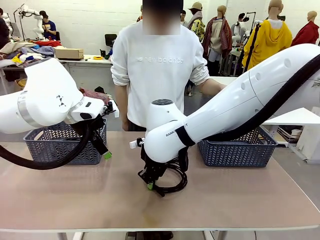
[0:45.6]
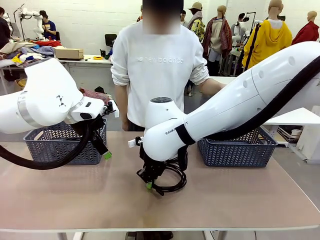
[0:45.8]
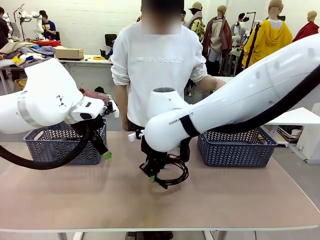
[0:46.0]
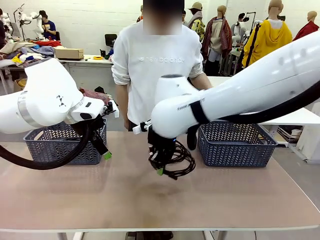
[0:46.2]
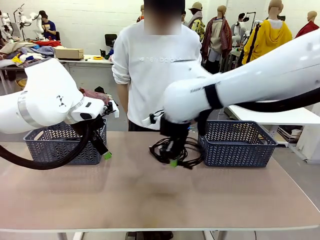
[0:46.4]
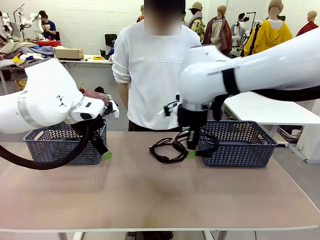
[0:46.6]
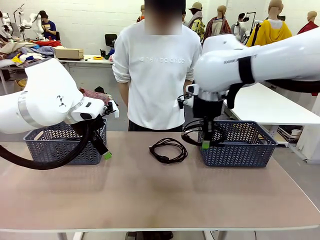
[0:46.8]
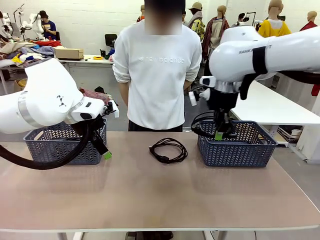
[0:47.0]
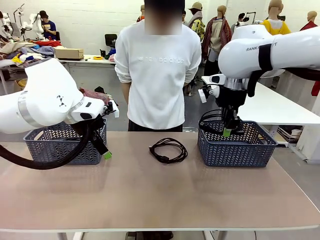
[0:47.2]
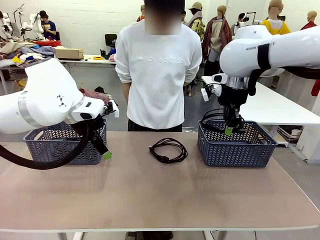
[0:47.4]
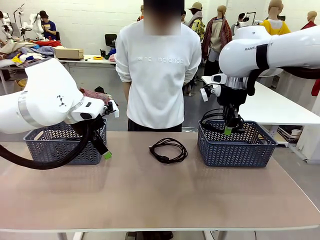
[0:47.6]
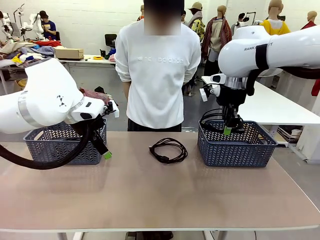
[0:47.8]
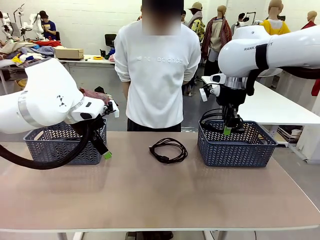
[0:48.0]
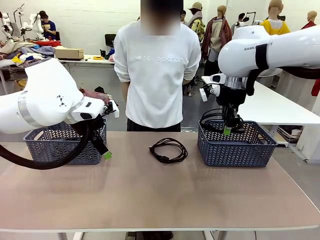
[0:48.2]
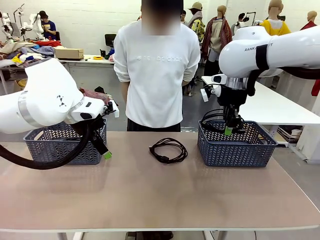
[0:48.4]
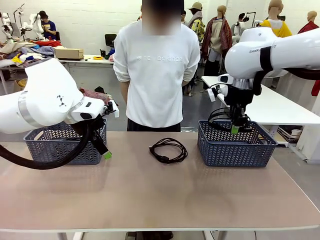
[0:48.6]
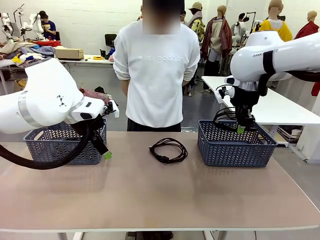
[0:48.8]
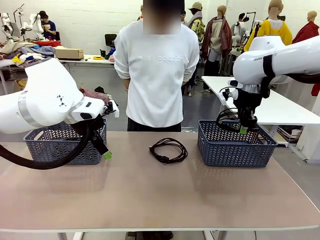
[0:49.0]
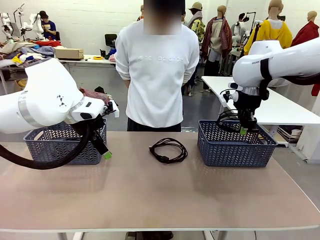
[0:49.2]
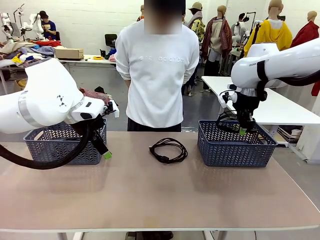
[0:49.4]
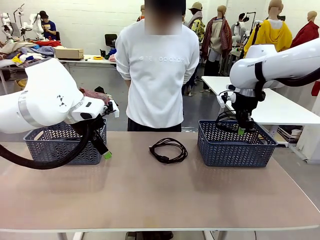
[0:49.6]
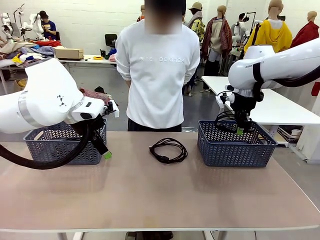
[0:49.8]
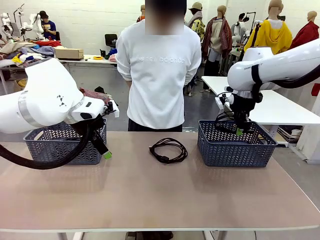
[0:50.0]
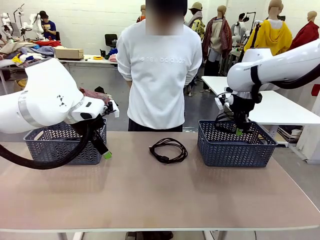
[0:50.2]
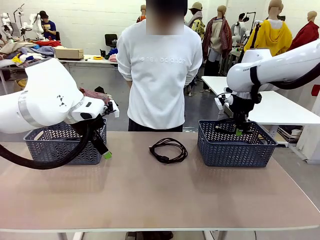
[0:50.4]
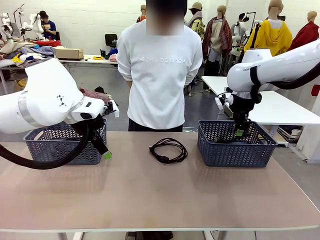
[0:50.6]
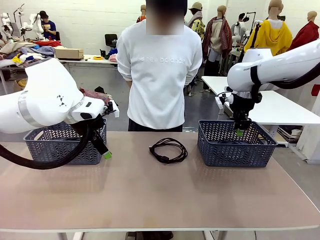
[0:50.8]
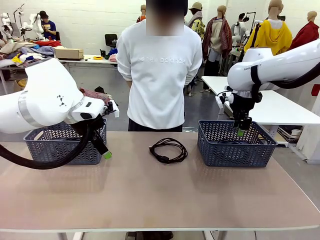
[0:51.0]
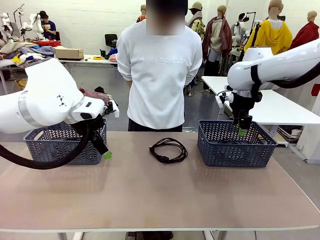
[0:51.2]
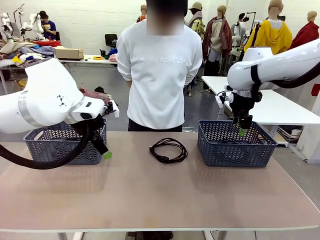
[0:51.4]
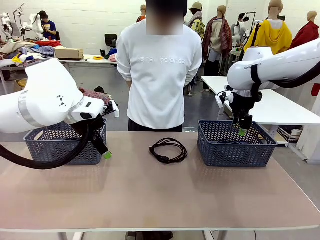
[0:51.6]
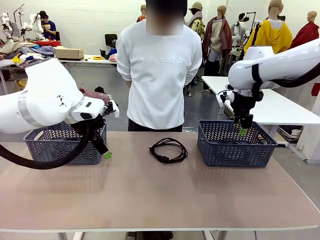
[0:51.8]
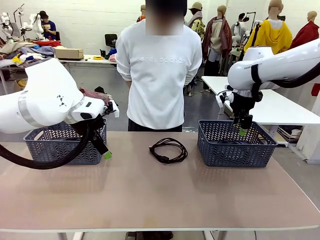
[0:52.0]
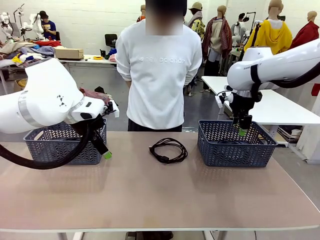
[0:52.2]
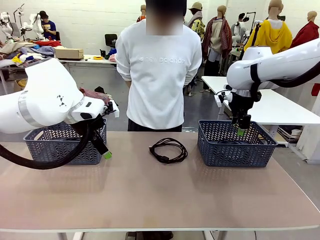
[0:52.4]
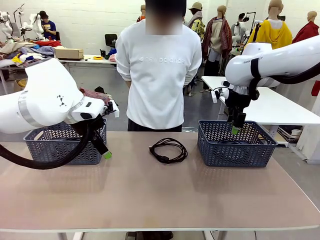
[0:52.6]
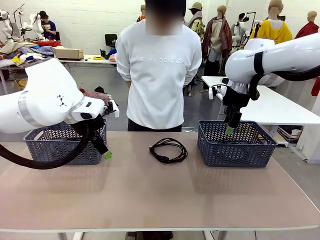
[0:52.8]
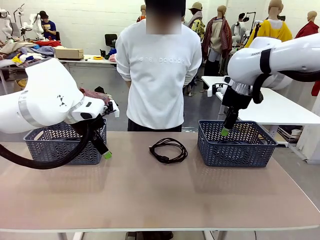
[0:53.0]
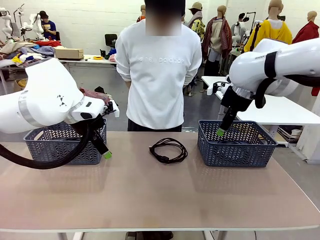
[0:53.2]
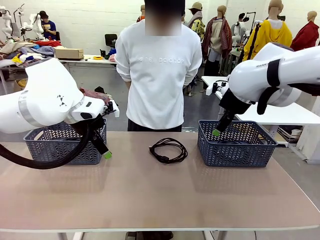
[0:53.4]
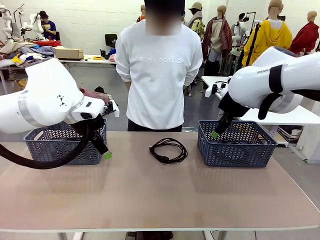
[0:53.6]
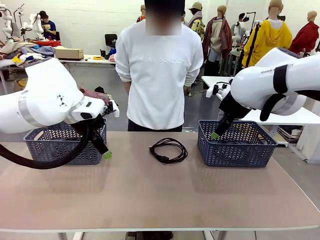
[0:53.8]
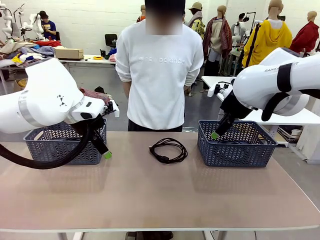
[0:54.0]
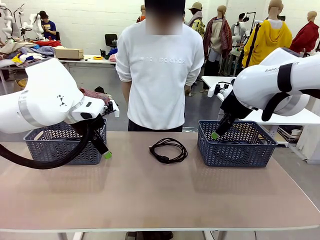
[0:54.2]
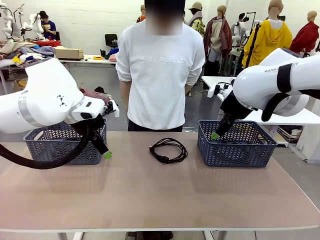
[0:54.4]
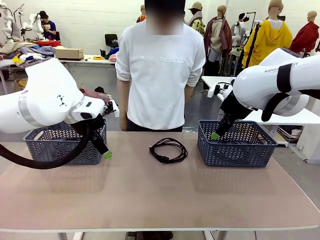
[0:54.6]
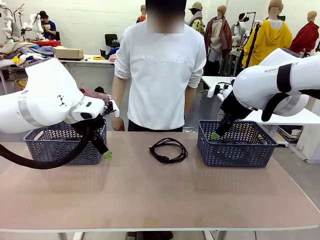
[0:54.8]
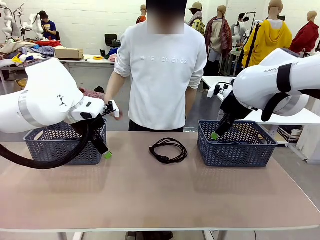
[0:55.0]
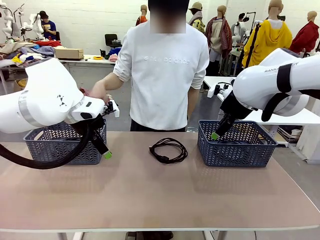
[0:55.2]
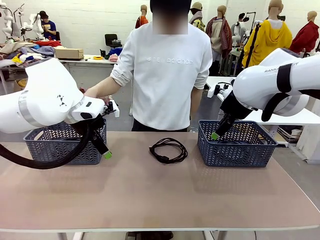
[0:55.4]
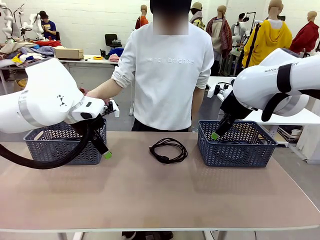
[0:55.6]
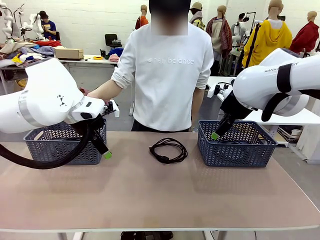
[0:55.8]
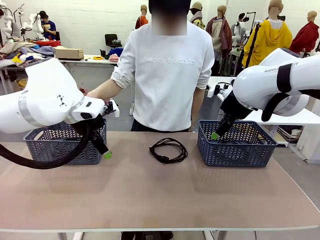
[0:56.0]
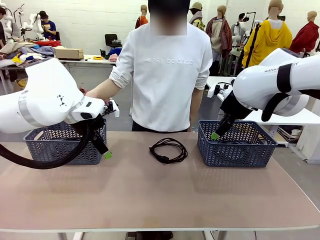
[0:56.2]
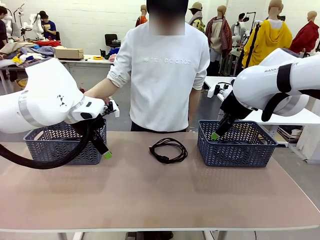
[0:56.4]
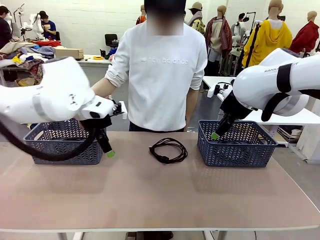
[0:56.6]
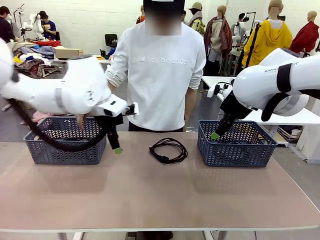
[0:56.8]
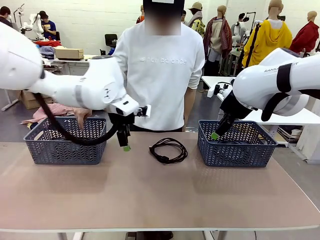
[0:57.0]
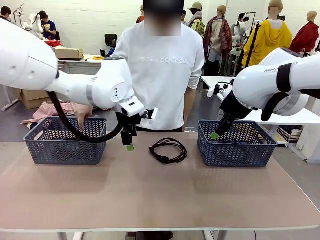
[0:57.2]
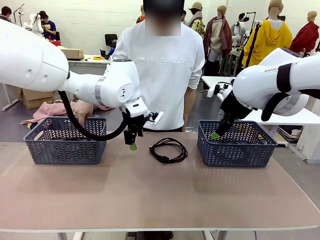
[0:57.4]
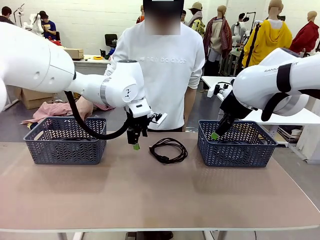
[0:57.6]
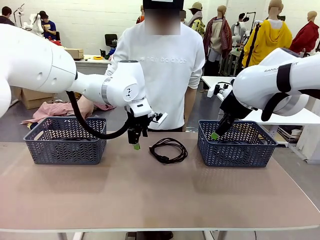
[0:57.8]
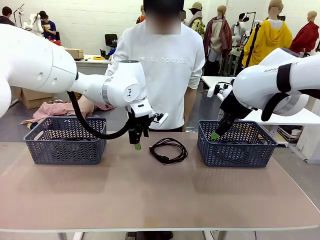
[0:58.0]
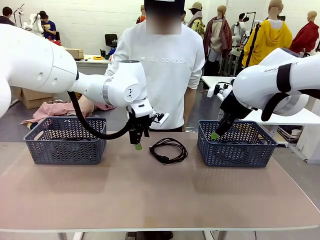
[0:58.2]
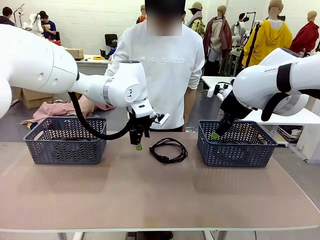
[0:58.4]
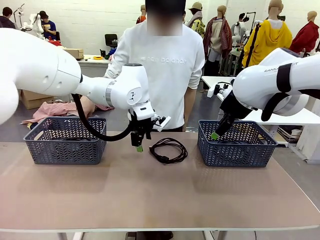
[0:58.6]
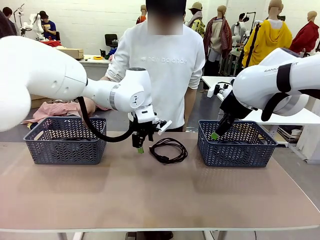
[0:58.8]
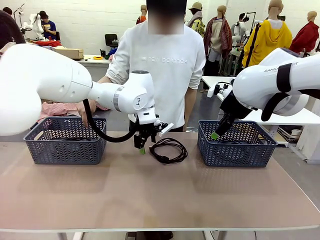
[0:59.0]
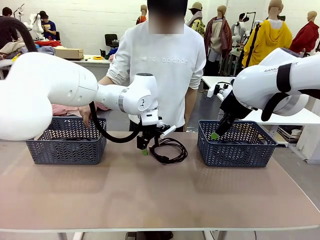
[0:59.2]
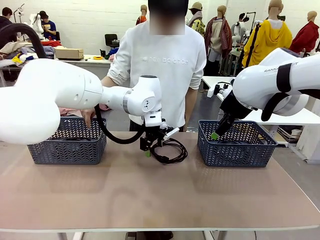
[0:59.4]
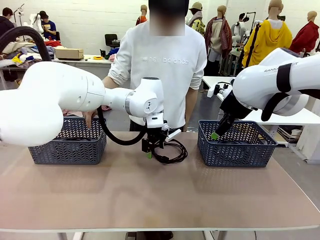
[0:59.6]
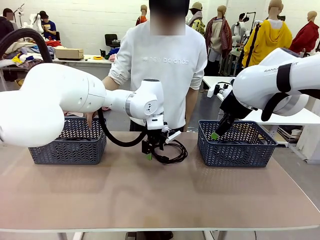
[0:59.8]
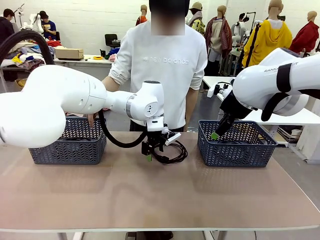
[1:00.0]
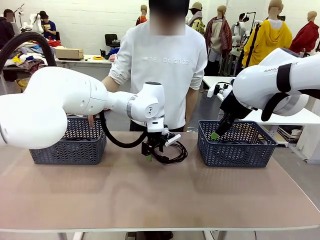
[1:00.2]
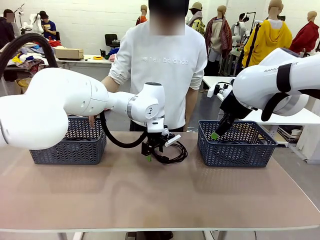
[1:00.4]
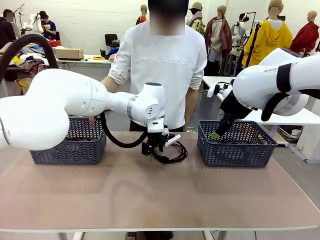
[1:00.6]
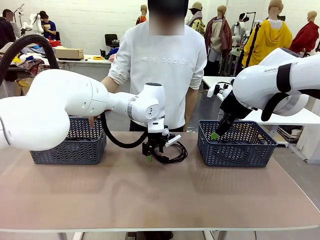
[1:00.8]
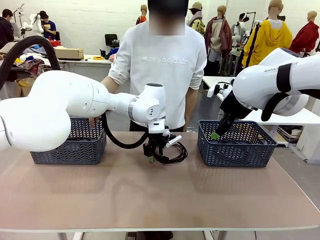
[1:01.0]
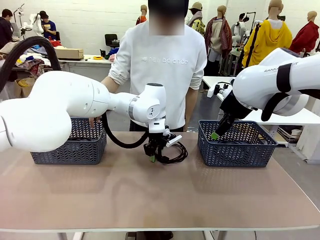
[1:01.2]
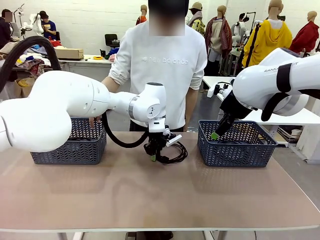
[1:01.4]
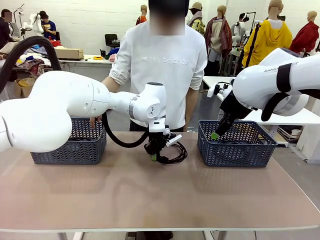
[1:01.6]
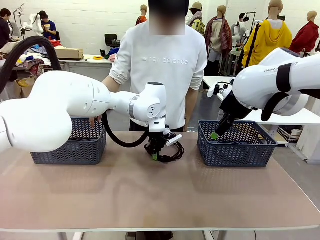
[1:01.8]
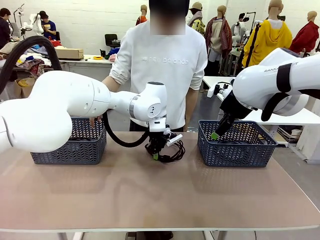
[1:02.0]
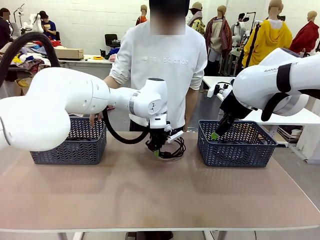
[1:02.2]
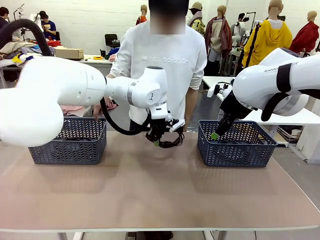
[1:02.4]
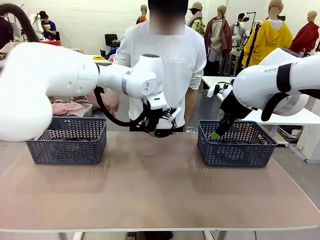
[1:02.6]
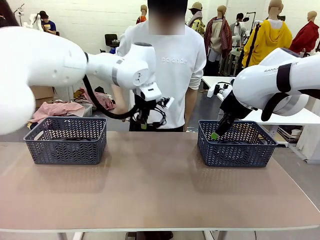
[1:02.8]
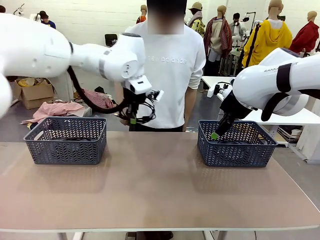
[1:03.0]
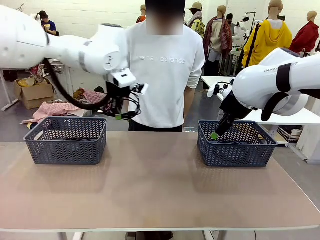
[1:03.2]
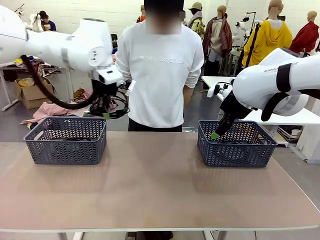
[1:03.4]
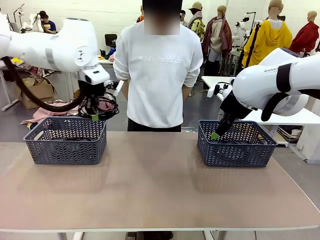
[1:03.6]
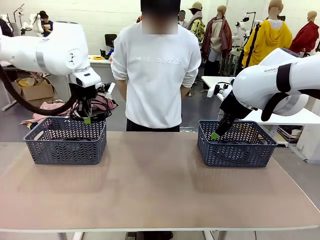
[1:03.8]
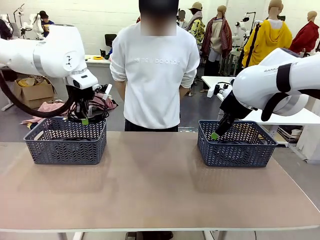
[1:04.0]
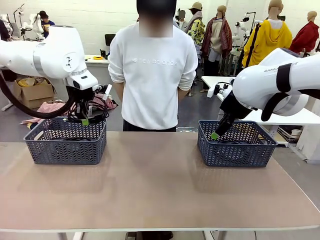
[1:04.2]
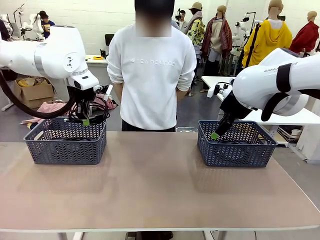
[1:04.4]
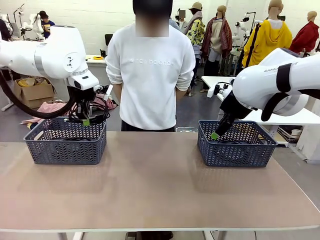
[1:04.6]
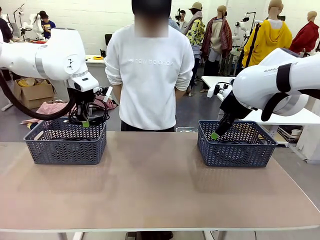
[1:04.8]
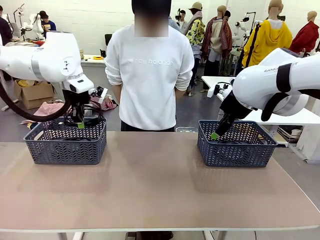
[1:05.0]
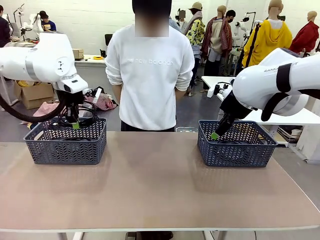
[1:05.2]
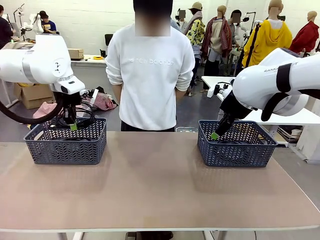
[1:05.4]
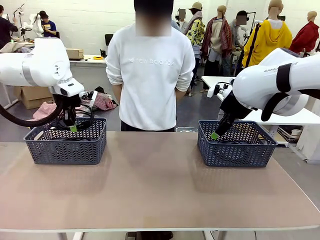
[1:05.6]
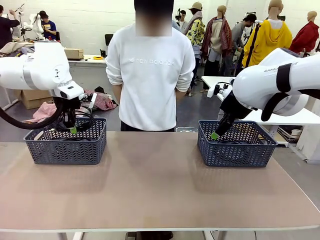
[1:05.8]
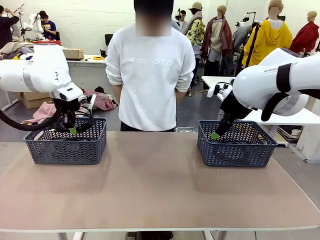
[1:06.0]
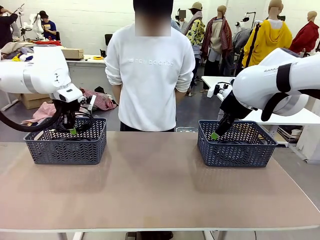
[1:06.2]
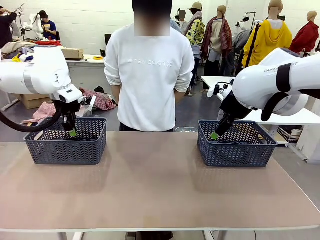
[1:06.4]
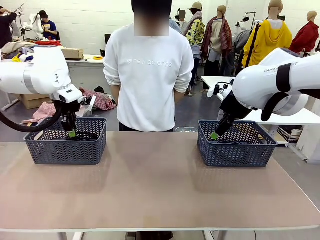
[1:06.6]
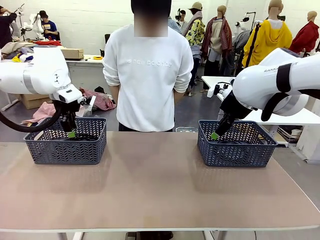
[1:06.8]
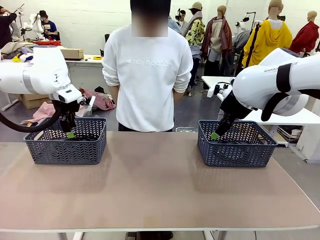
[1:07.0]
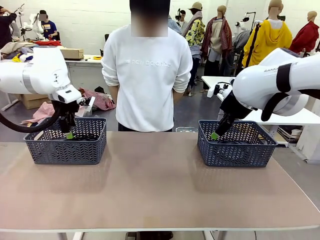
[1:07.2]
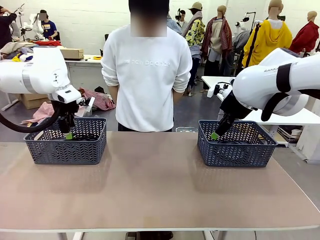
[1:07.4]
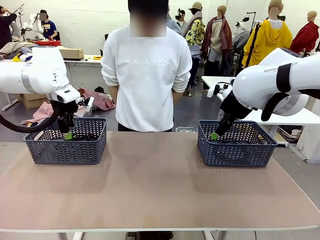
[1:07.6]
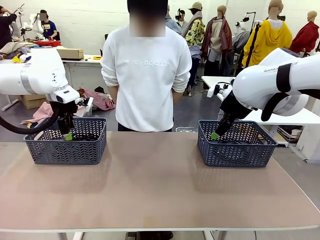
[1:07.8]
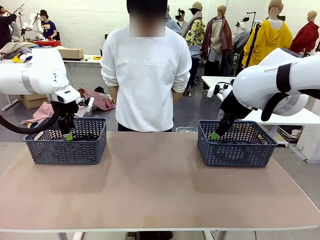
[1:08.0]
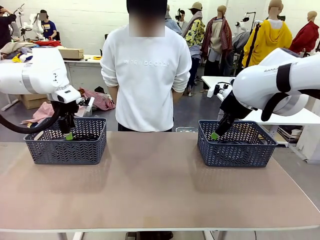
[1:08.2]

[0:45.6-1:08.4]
Task: Organize the cables according to human instructions.
Robot: Pick up a bundle of cables and place it in the basket indicated by the human.
